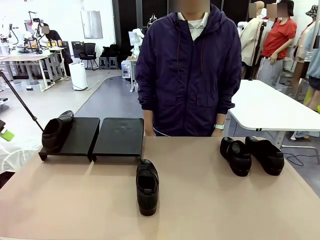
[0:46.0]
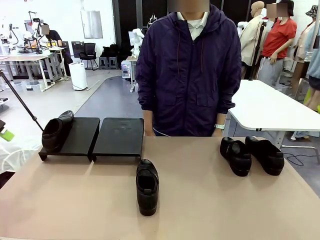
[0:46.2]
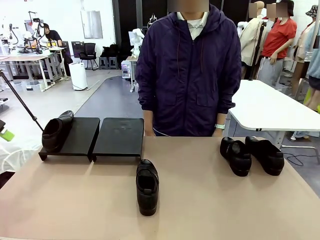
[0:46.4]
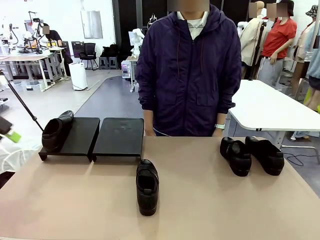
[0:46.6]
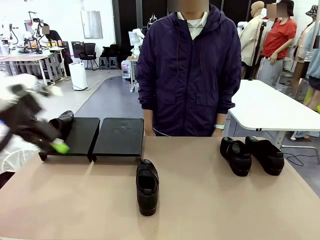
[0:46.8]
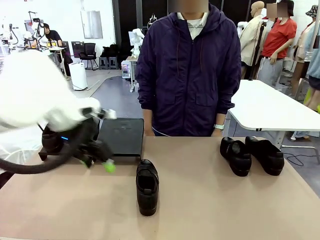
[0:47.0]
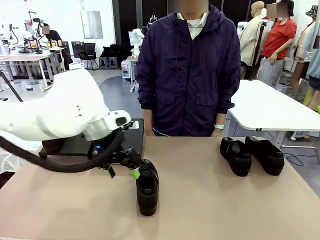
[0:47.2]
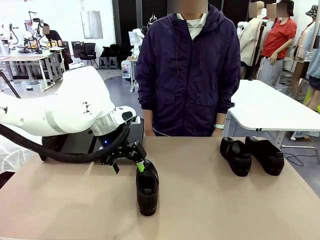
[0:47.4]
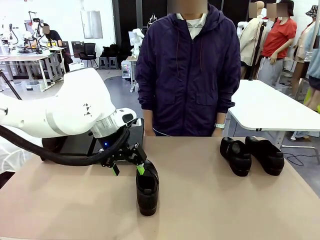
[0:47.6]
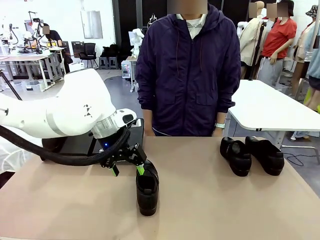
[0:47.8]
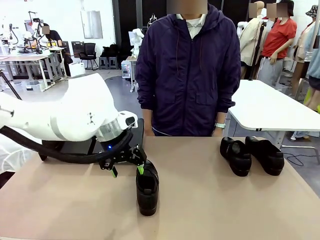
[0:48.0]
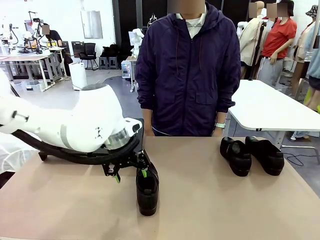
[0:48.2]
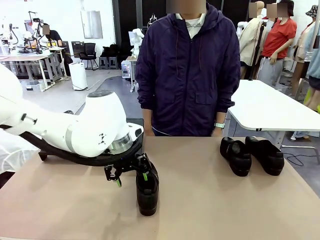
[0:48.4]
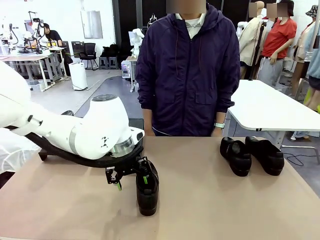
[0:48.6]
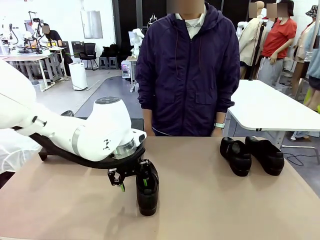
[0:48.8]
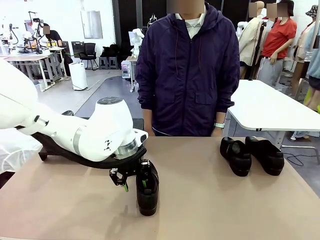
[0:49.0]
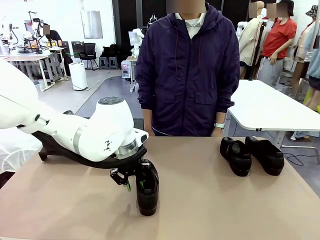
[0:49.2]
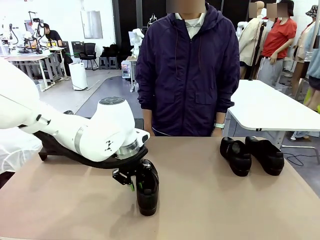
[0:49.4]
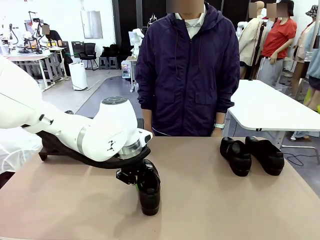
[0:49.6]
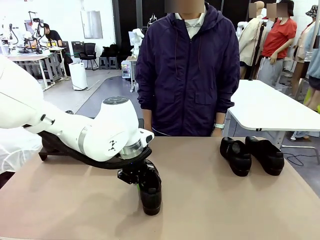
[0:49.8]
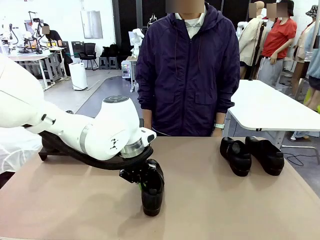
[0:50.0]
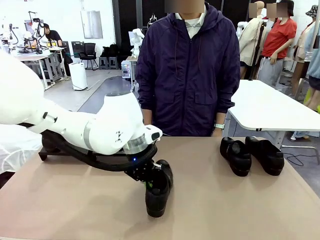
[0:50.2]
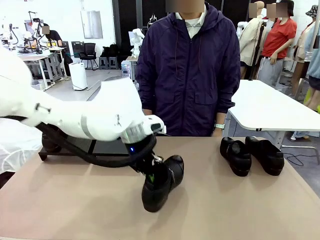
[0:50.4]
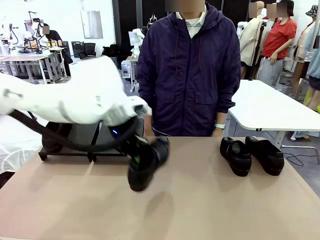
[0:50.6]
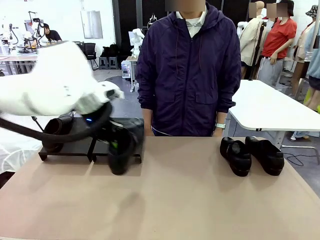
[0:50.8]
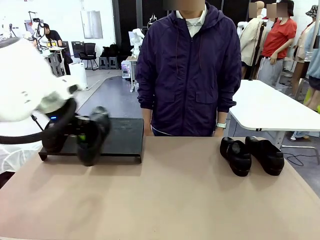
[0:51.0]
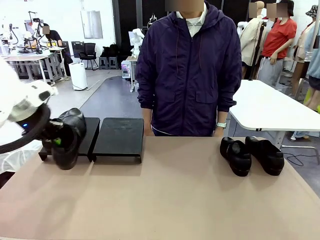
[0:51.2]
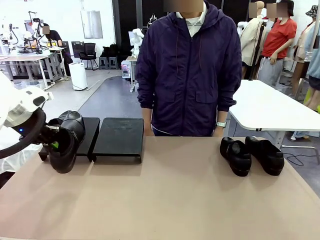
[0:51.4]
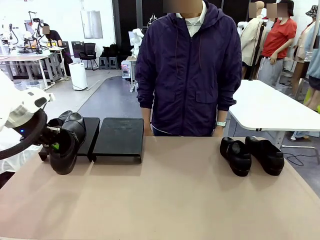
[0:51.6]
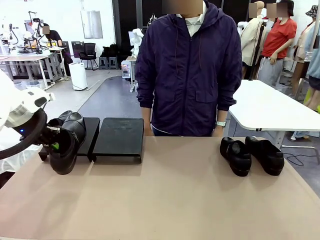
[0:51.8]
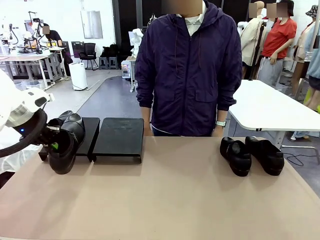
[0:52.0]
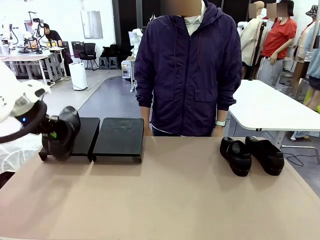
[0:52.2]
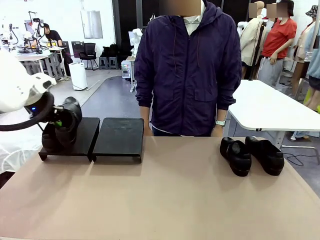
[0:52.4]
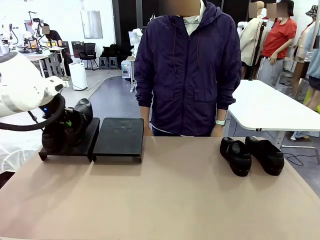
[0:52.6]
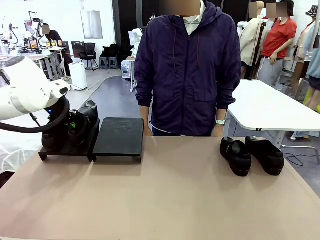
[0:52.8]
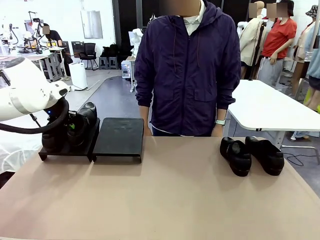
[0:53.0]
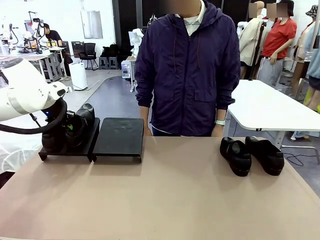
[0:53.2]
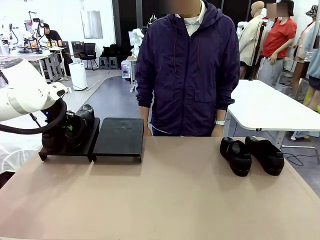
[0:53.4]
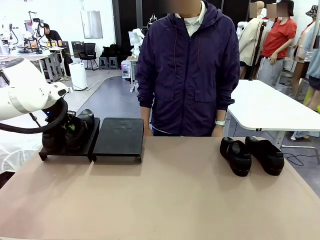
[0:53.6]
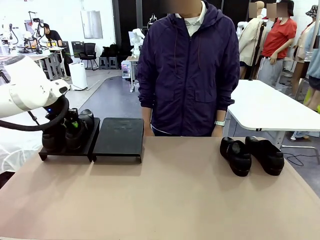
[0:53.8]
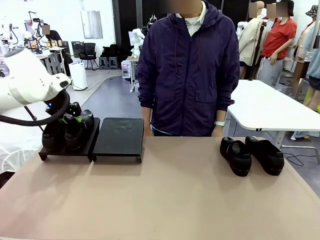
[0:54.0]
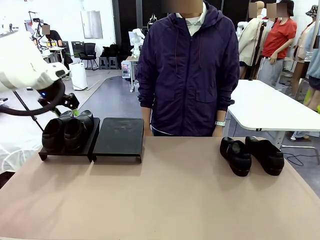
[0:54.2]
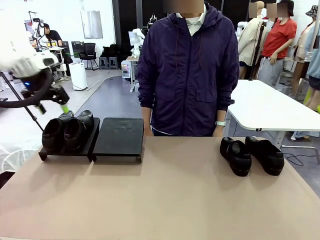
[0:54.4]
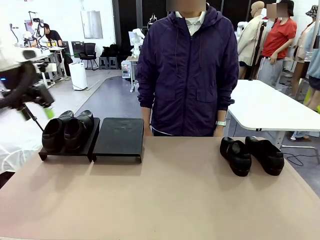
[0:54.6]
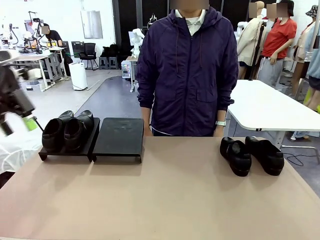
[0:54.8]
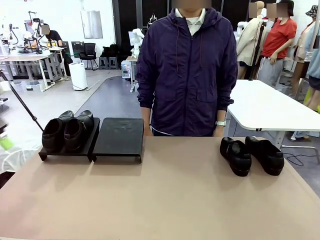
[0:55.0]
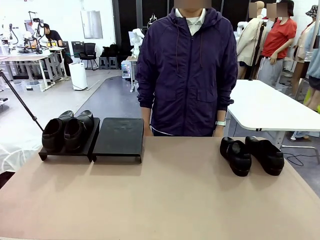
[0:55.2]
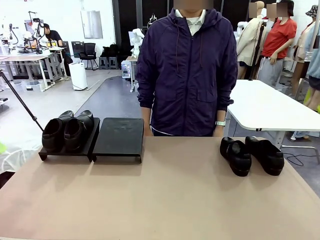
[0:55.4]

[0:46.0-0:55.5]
Task: Organize the shoes by placing them on the stand.
Robot: Place the Shoe from the middle of the table onto the Shoes Stand.

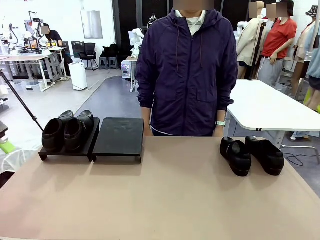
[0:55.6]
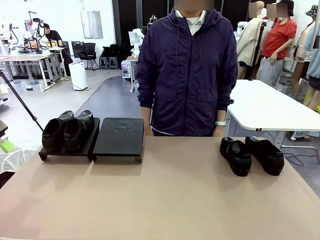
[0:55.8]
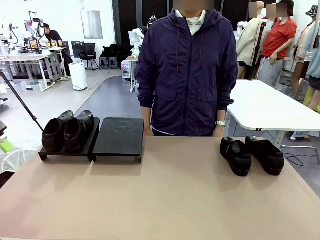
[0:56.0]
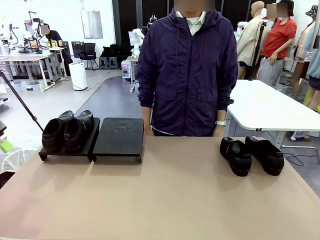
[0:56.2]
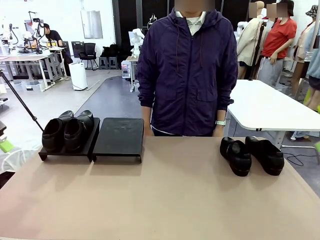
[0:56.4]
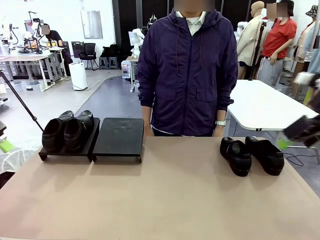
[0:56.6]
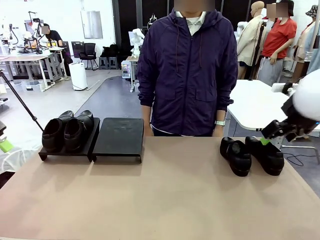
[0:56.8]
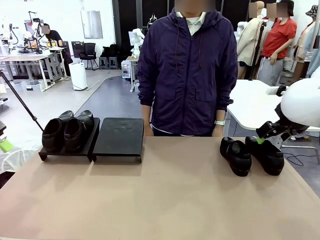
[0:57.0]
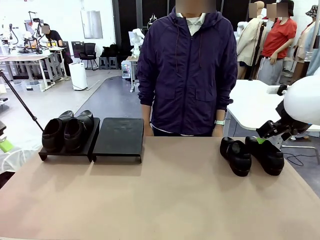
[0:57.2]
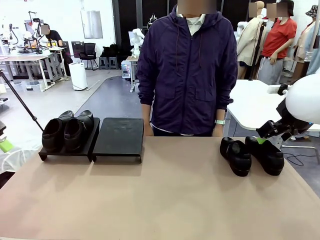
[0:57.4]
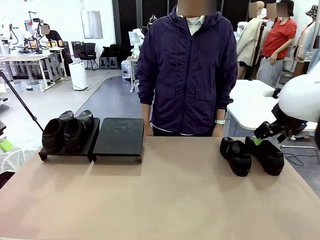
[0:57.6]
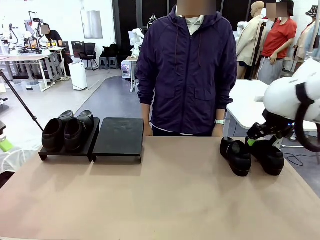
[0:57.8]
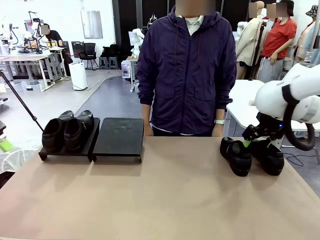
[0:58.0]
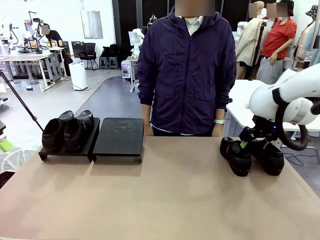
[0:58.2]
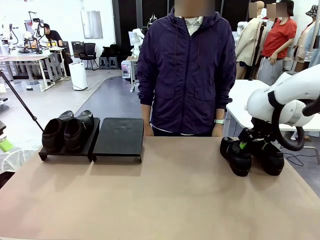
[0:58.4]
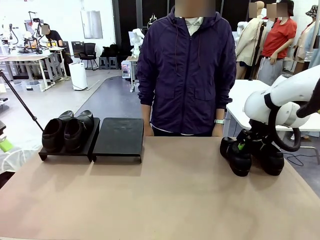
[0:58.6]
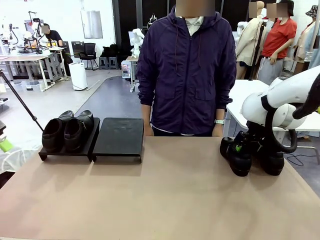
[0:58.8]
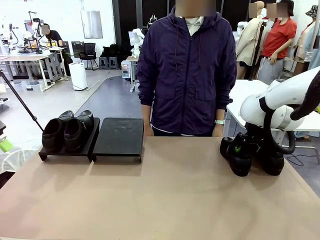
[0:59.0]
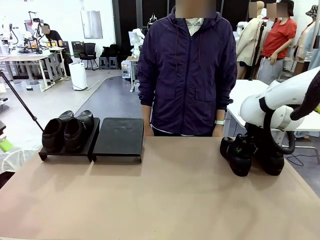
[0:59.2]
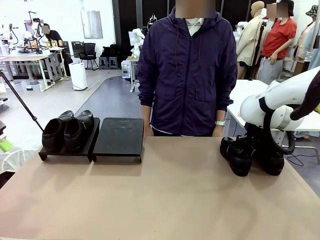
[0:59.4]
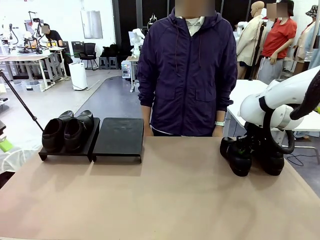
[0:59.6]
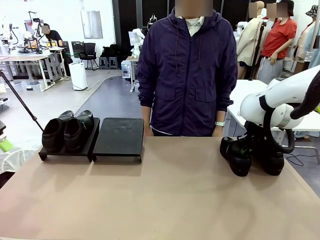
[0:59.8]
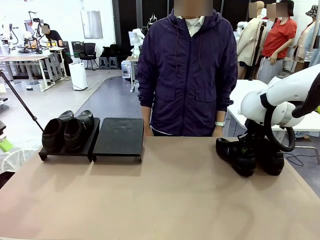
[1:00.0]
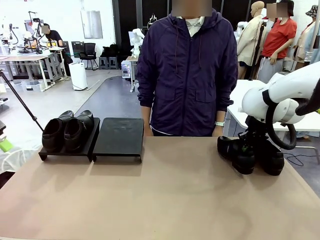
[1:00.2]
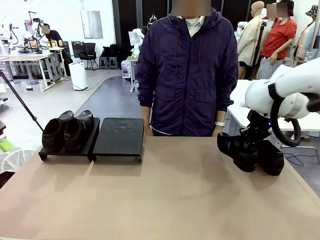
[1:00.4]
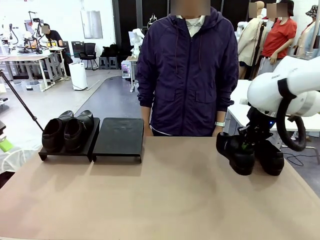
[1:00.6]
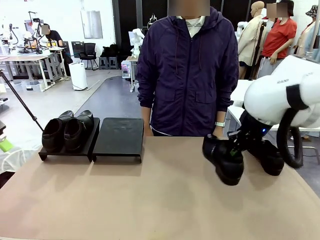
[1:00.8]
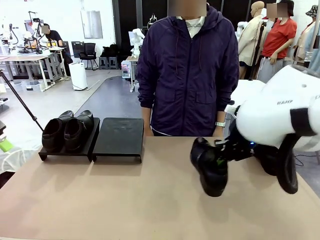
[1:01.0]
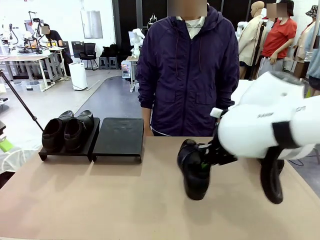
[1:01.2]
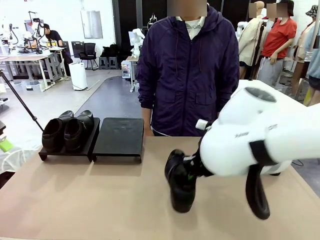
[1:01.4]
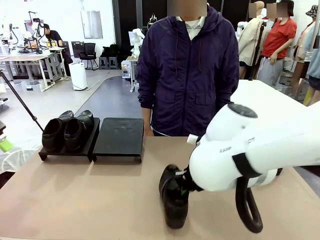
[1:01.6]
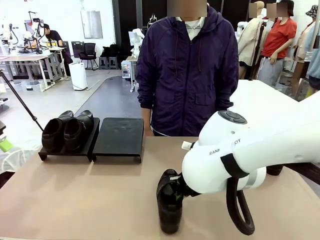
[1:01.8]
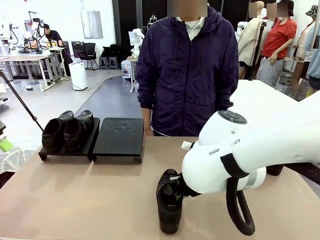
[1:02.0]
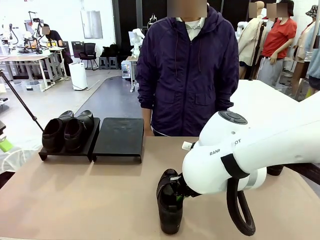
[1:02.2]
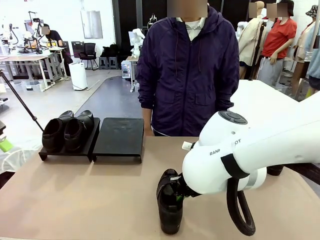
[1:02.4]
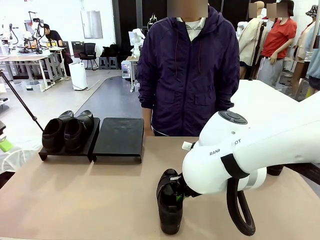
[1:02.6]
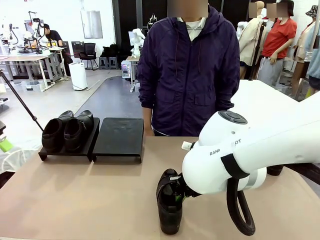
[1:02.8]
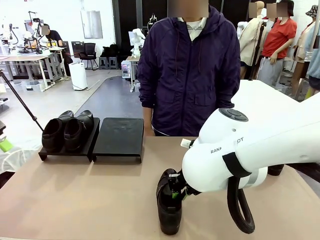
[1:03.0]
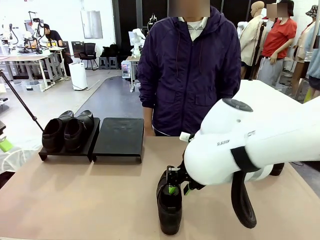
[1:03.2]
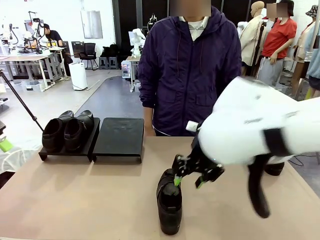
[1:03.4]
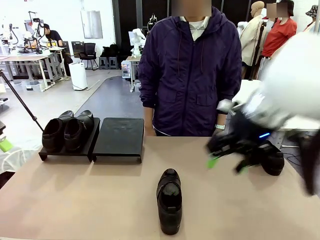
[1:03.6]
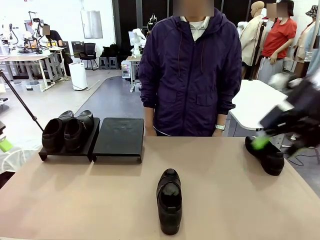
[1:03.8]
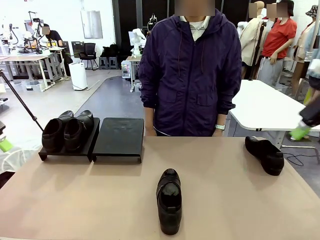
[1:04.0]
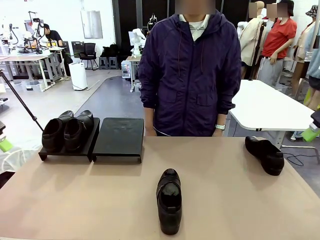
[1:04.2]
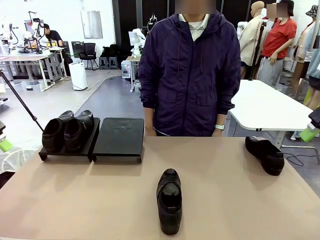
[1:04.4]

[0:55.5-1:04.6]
Robot: Pick up one Shoe and place it in the middle of the table.
